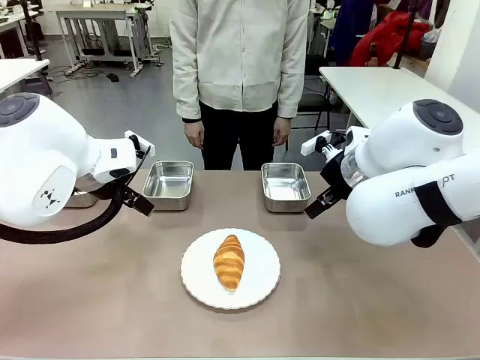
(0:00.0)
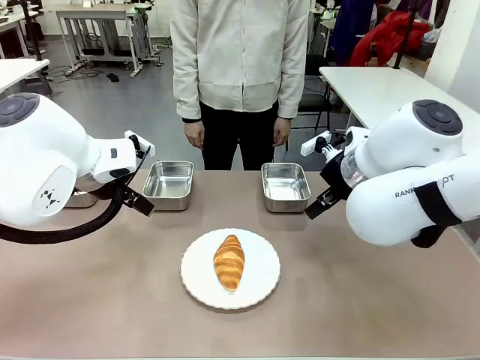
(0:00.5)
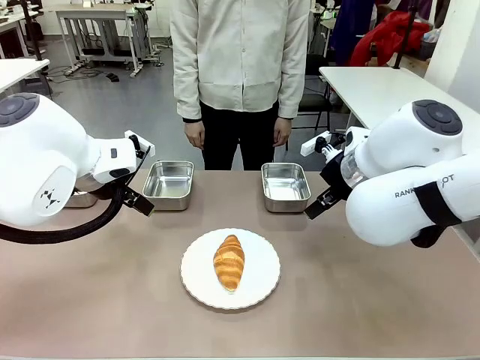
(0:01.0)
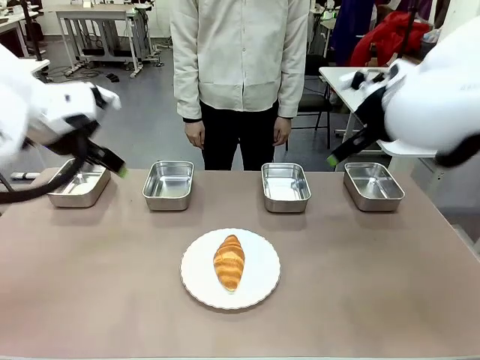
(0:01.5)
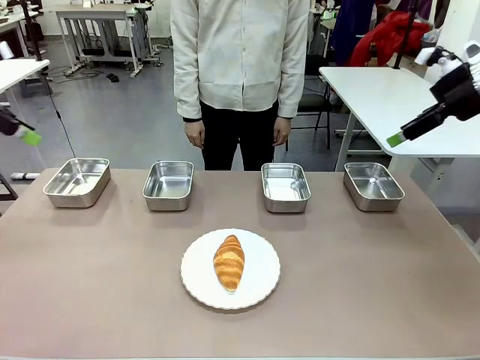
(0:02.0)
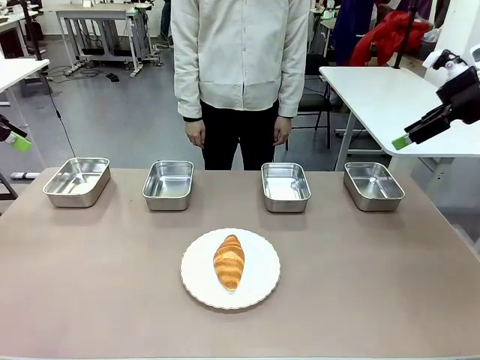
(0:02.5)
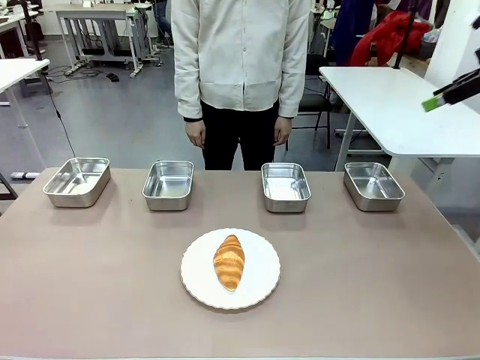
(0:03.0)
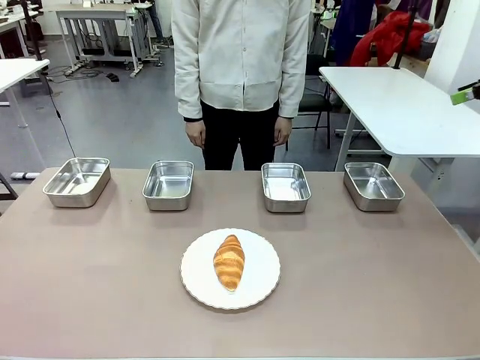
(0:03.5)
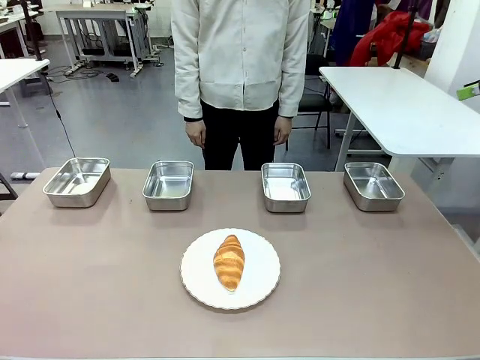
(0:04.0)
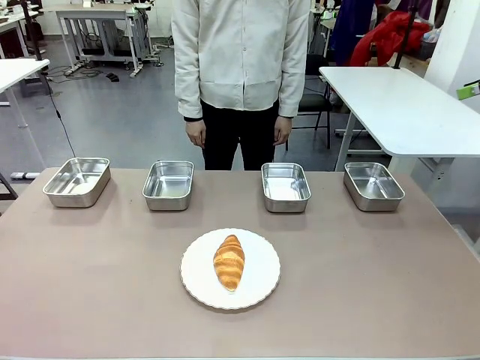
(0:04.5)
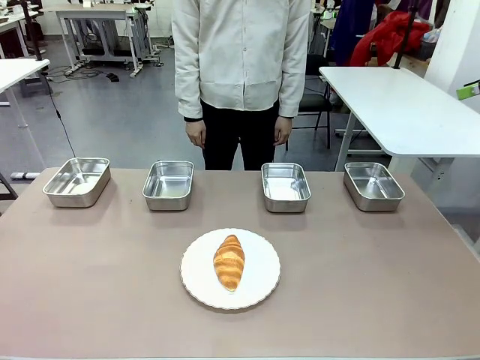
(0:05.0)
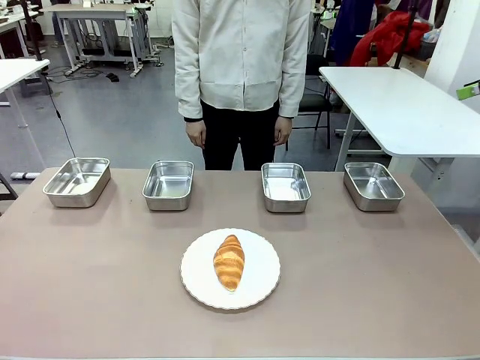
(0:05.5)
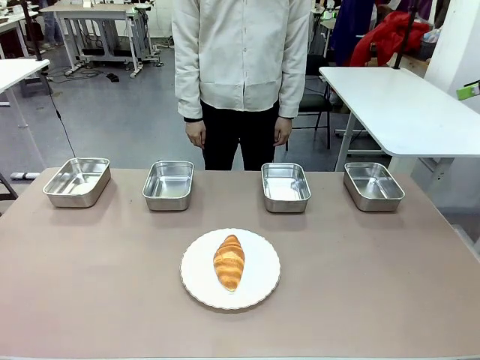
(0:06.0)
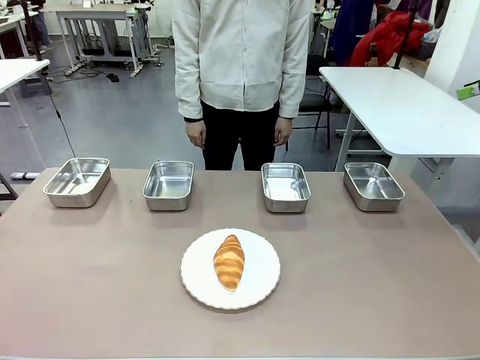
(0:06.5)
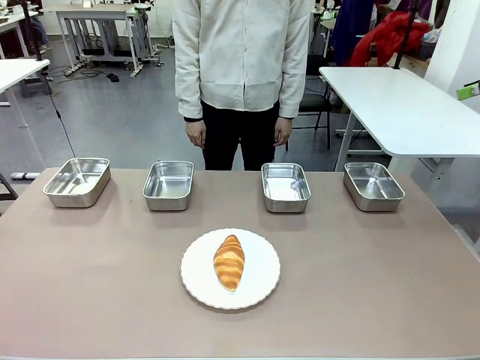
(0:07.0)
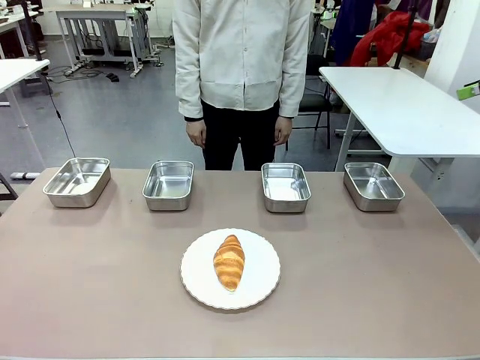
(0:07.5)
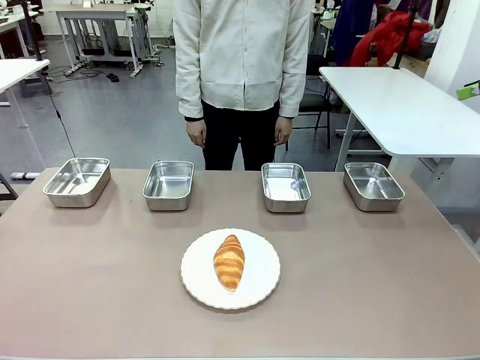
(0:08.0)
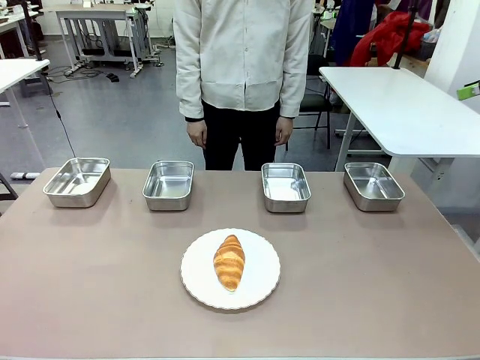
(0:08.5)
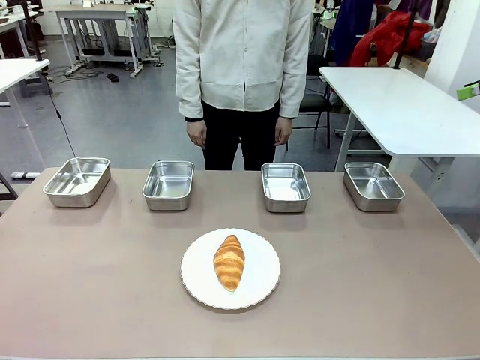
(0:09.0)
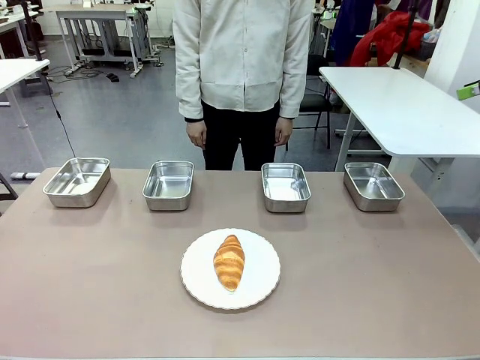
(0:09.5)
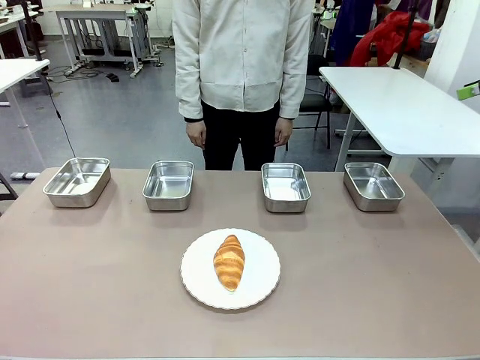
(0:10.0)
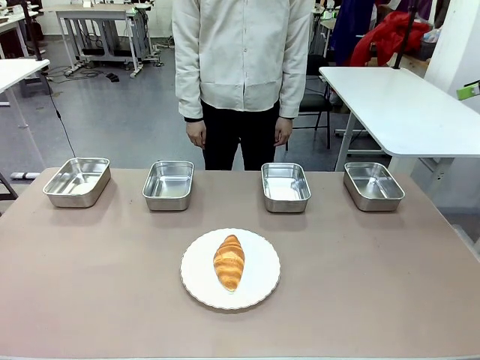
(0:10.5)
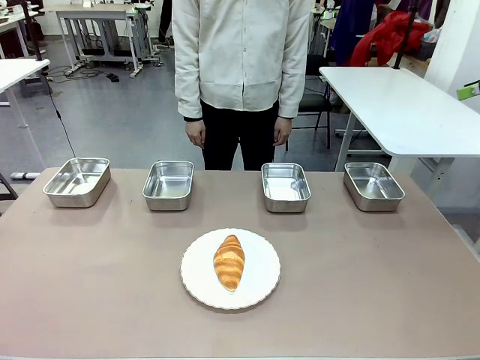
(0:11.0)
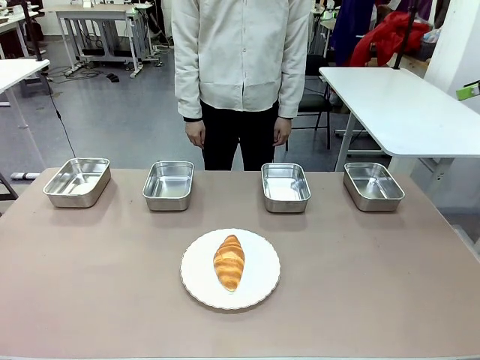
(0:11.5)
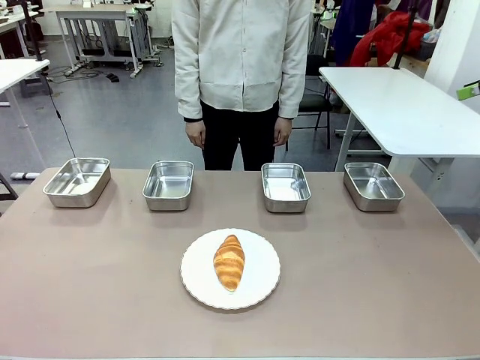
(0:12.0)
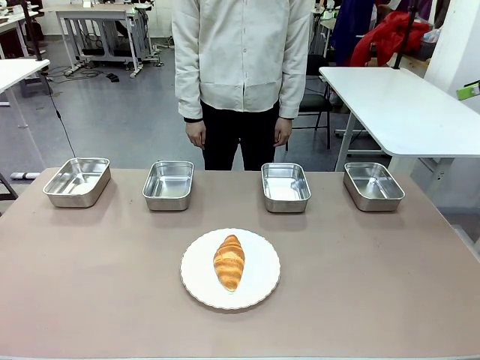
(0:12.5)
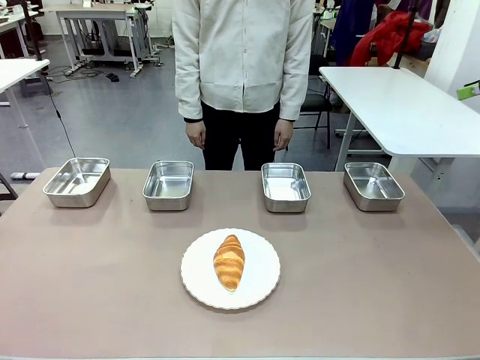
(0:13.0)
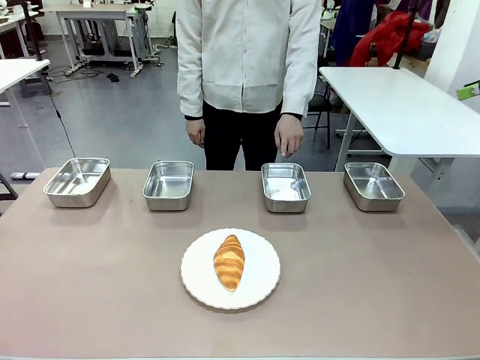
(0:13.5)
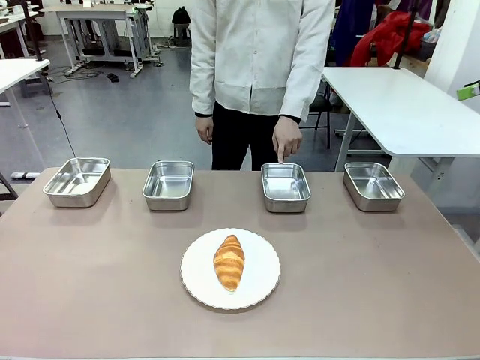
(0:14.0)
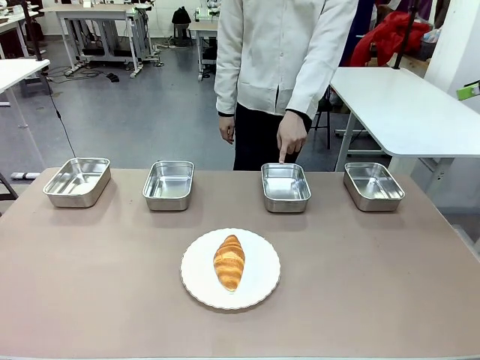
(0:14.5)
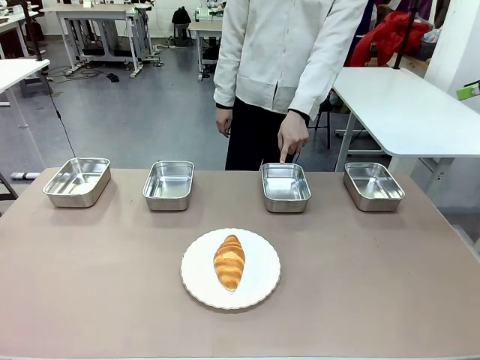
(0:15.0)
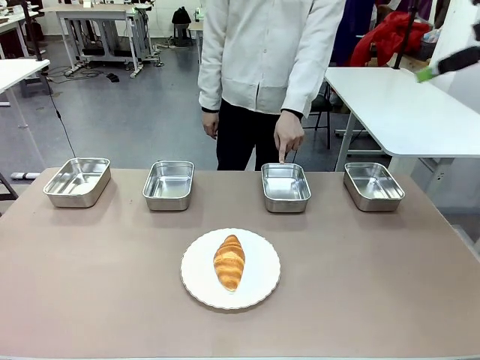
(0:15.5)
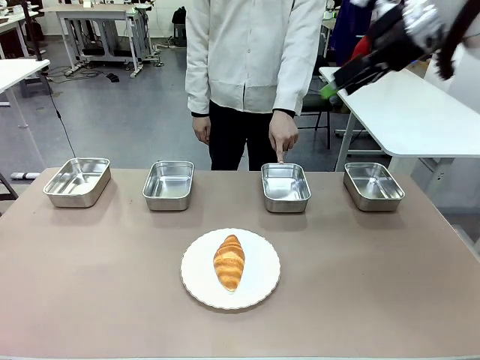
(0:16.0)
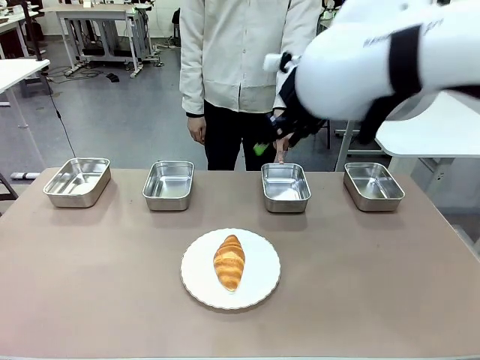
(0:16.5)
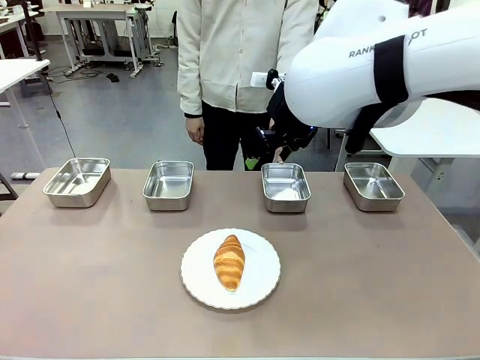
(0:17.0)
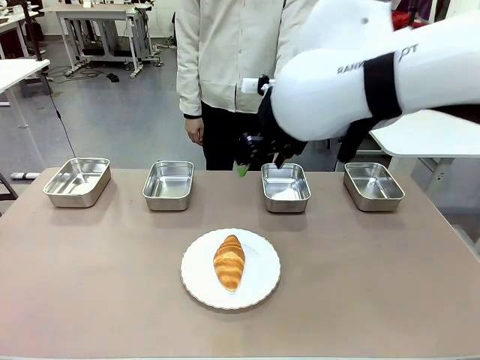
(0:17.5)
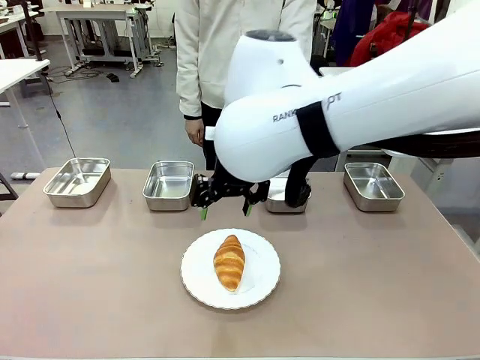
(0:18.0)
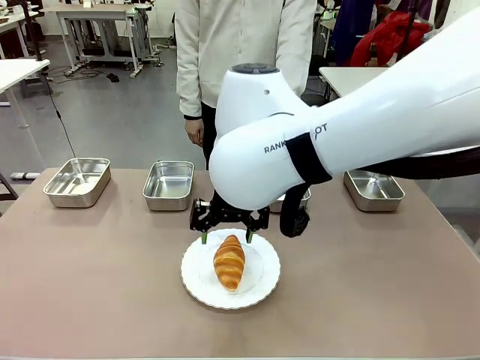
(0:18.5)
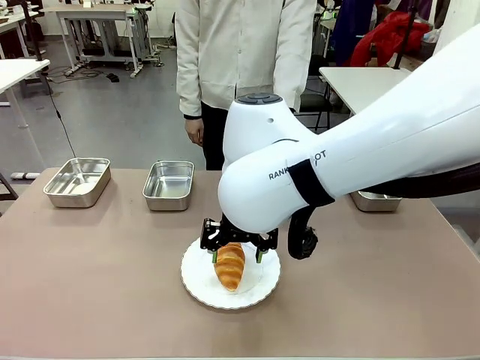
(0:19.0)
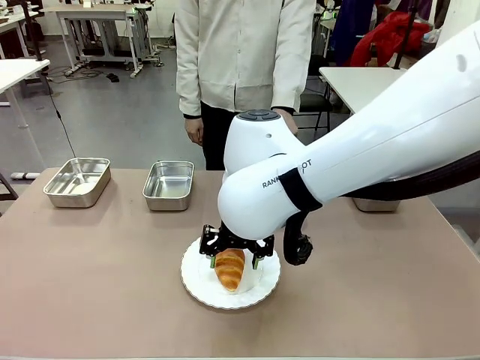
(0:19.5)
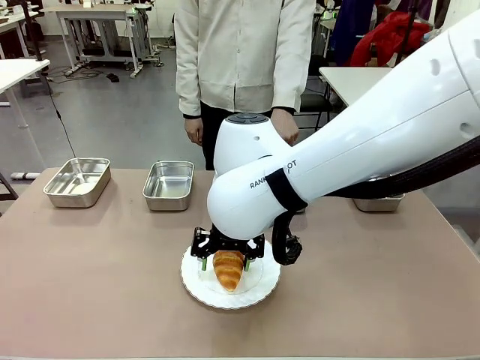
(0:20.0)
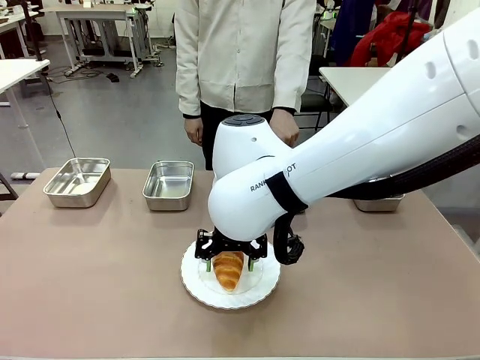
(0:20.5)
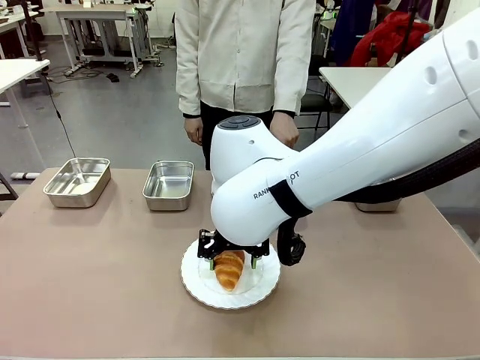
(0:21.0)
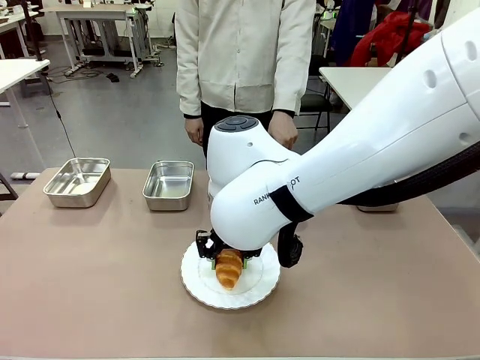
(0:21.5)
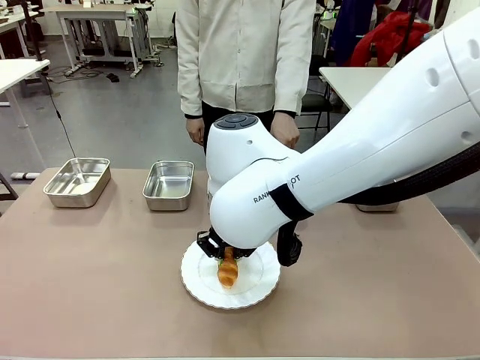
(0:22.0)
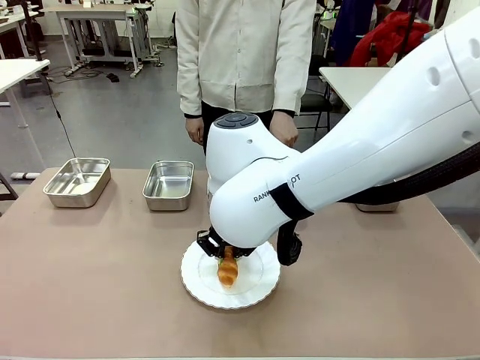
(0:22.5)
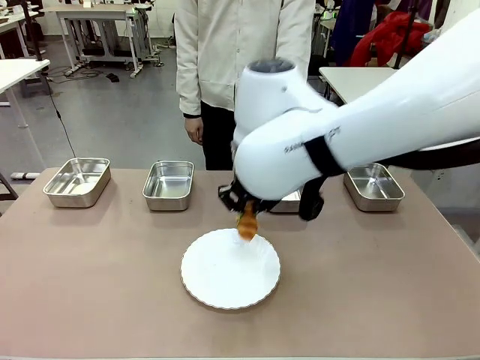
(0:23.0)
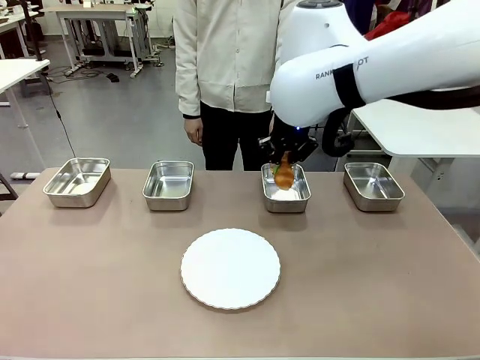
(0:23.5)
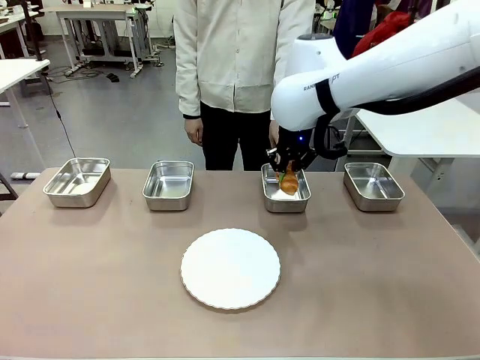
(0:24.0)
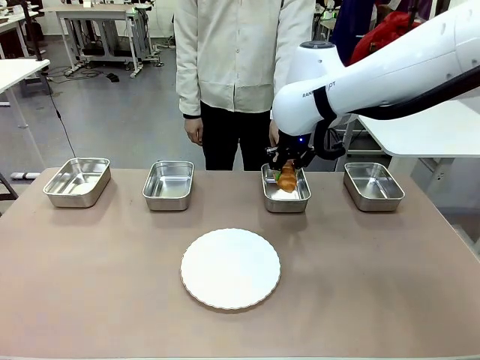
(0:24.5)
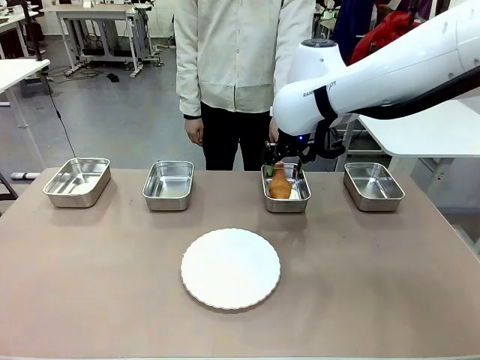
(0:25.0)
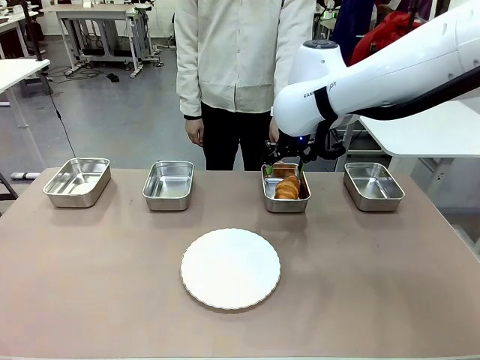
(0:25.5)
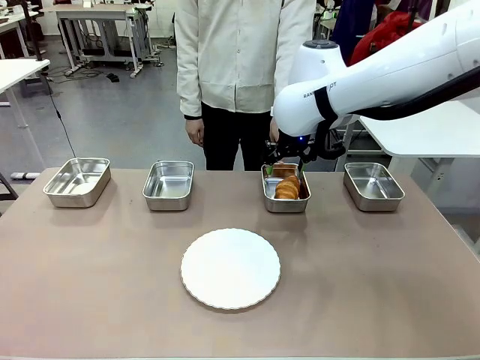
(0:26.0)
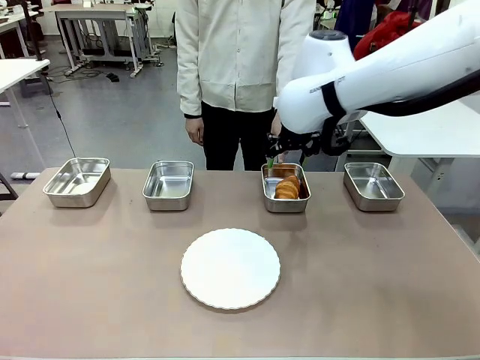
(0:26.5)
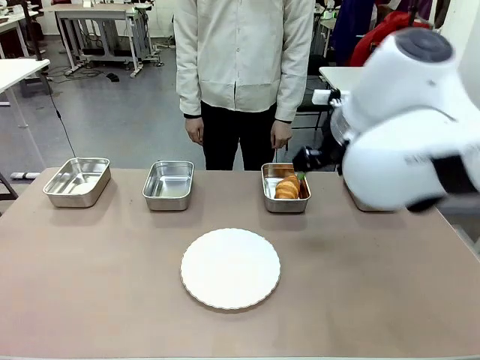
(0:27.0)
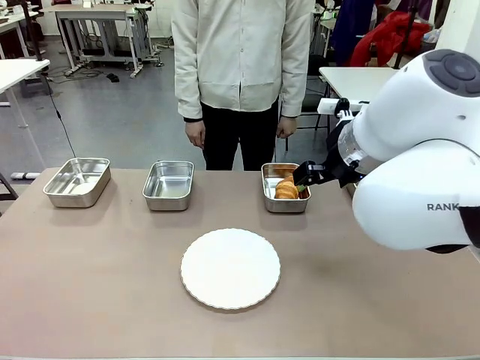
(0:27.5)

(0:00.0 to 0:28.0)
Task: Place the bread in the container.
Robot: Place the Butter Roll into the Airtight Container indicated by the human.
Person: A person randomly selects and points to an Airtight Container.
